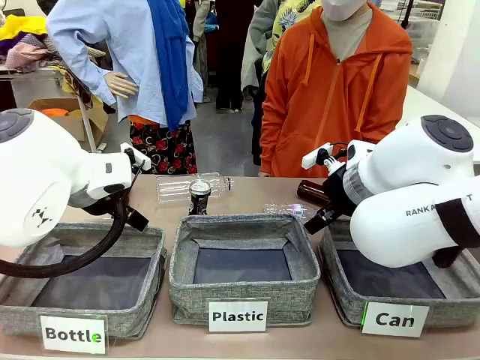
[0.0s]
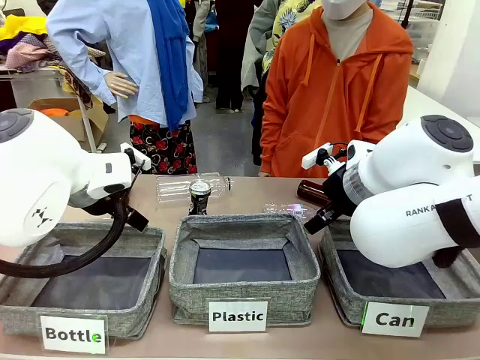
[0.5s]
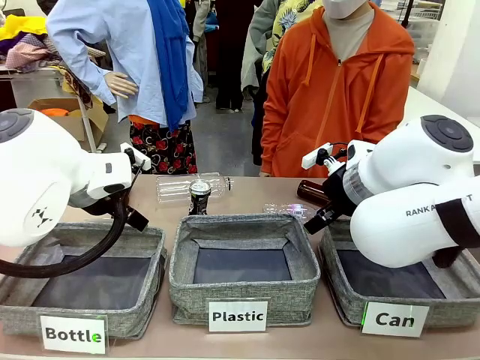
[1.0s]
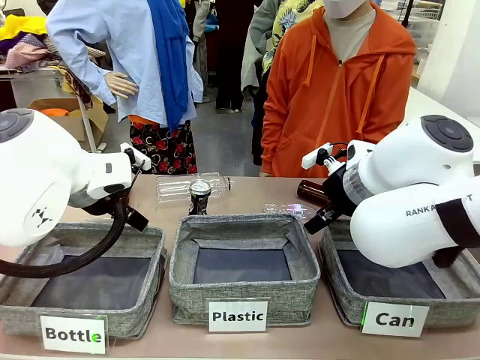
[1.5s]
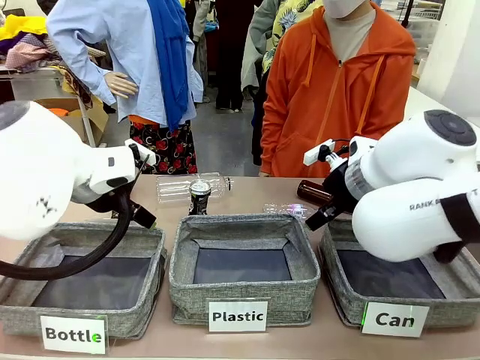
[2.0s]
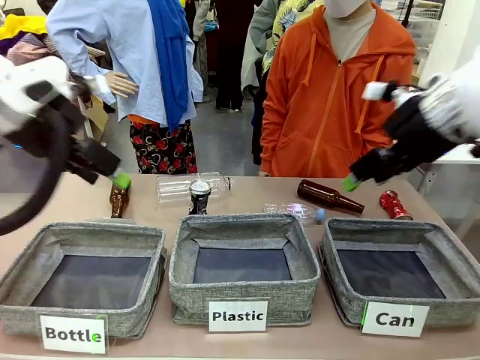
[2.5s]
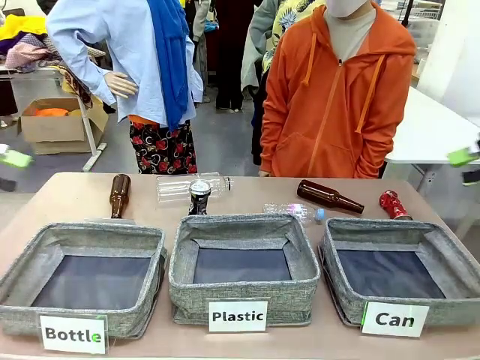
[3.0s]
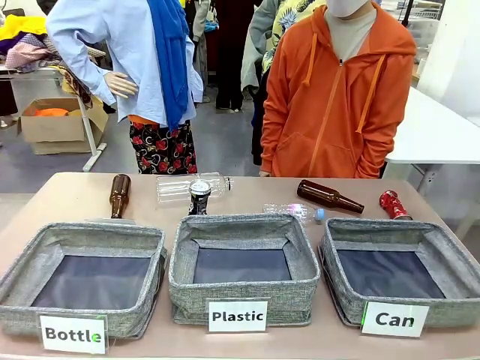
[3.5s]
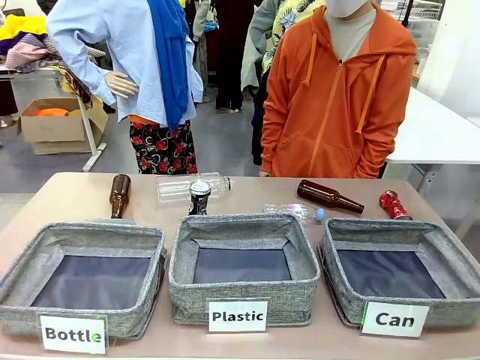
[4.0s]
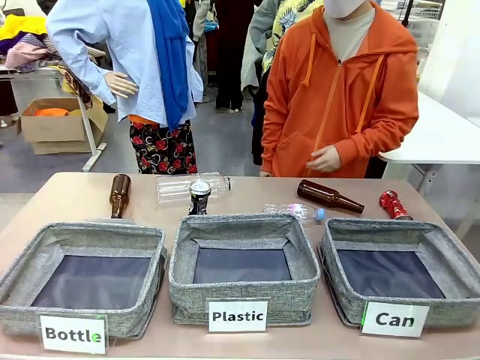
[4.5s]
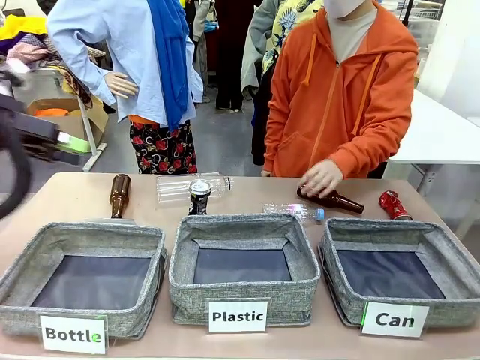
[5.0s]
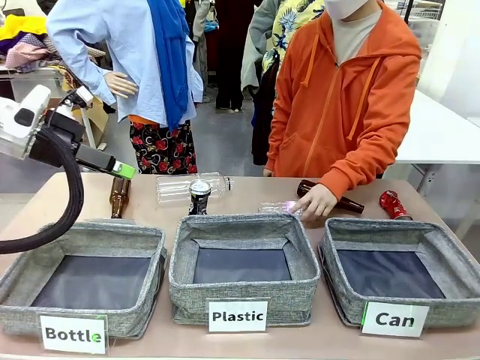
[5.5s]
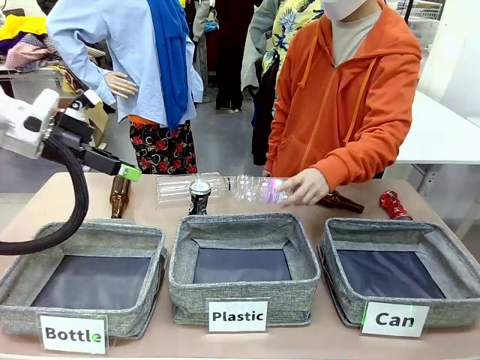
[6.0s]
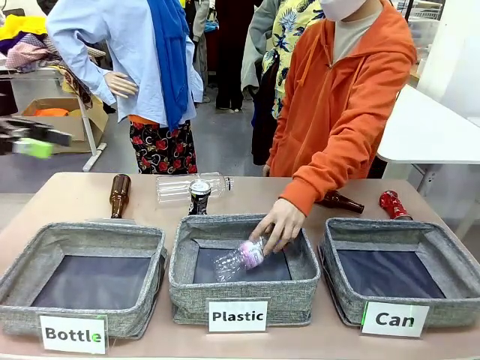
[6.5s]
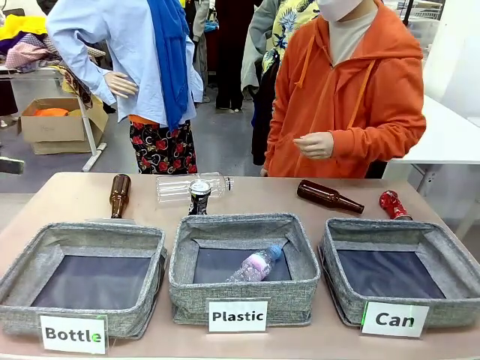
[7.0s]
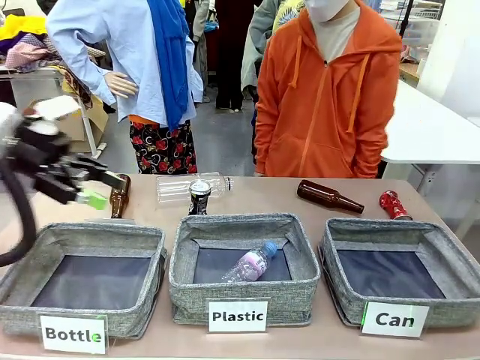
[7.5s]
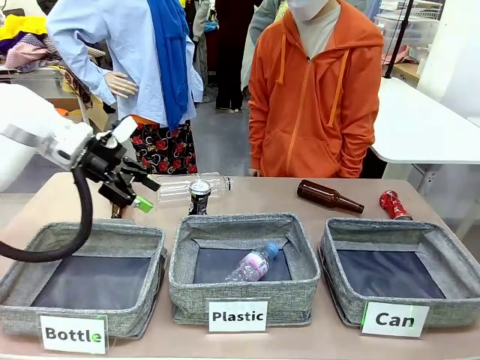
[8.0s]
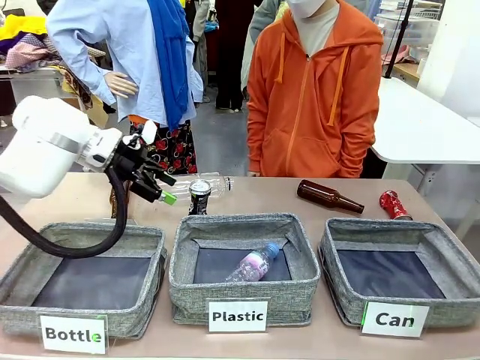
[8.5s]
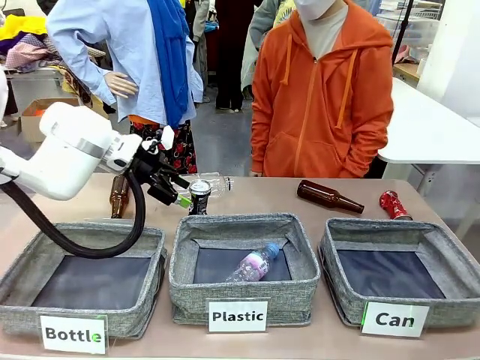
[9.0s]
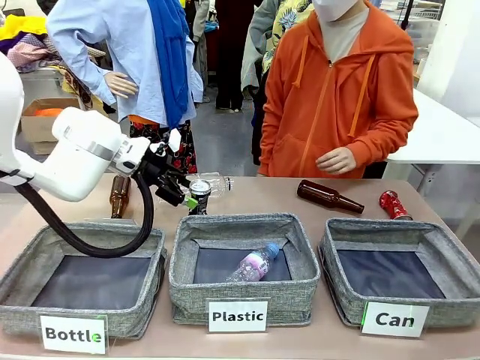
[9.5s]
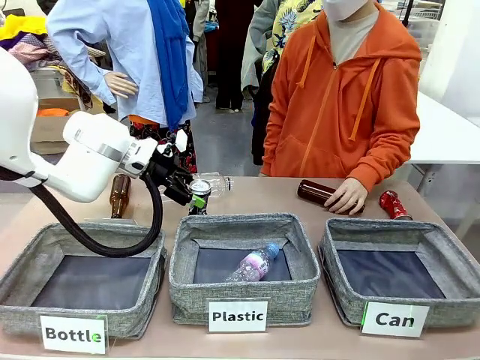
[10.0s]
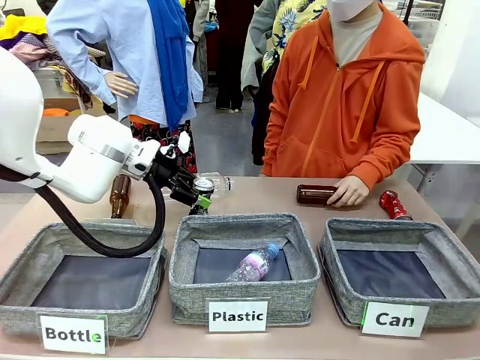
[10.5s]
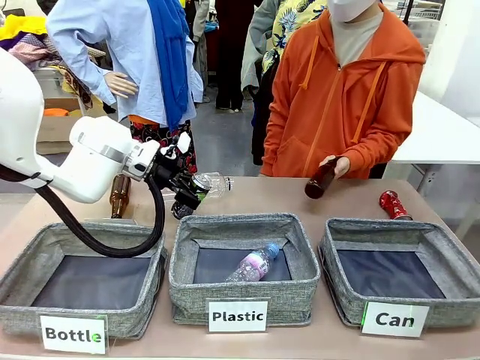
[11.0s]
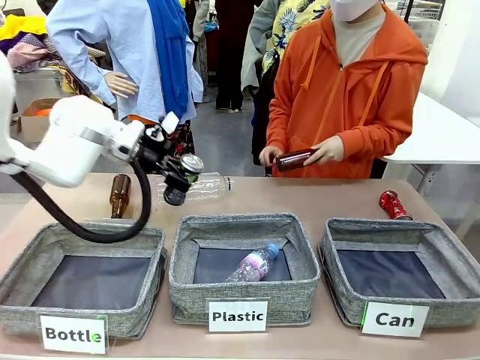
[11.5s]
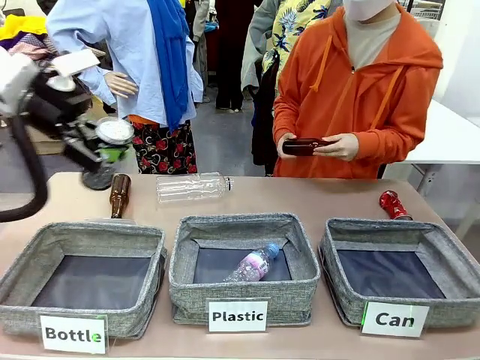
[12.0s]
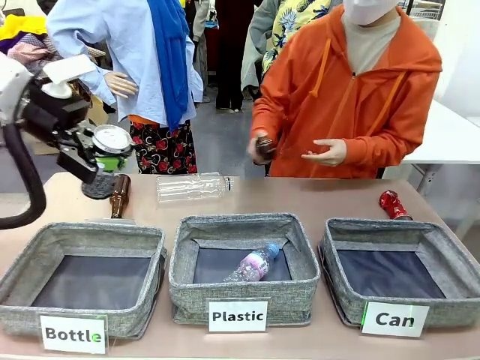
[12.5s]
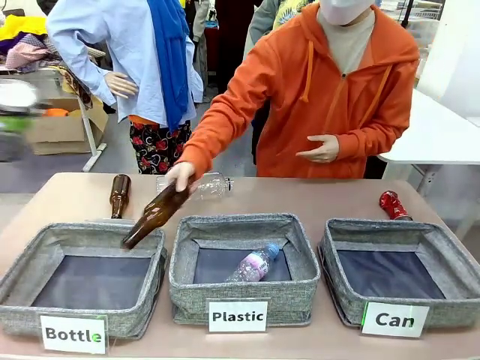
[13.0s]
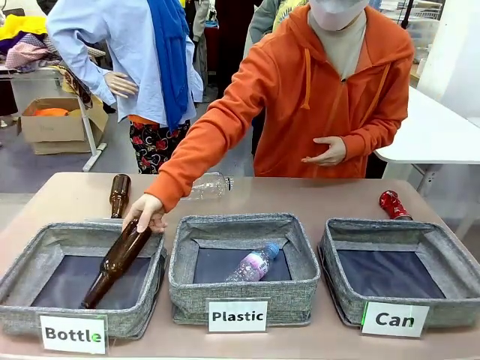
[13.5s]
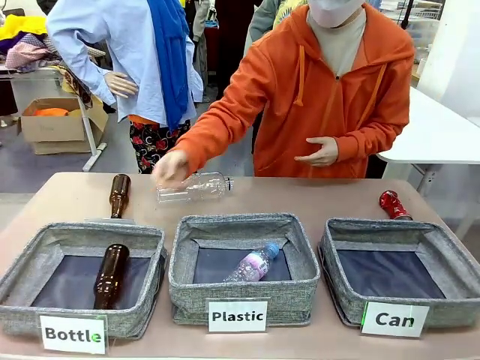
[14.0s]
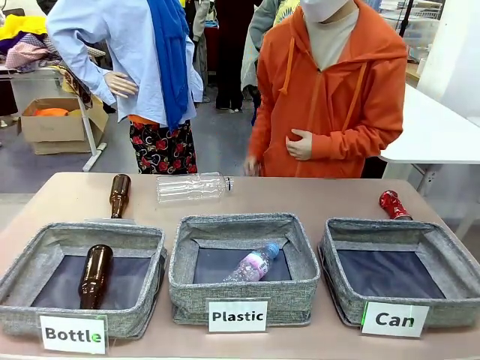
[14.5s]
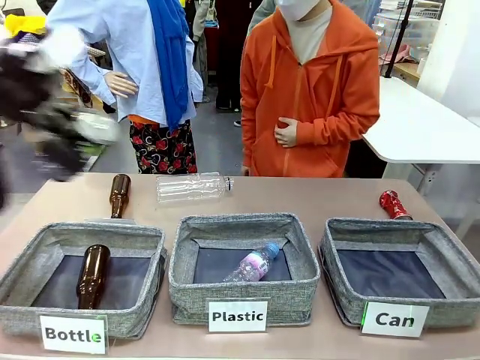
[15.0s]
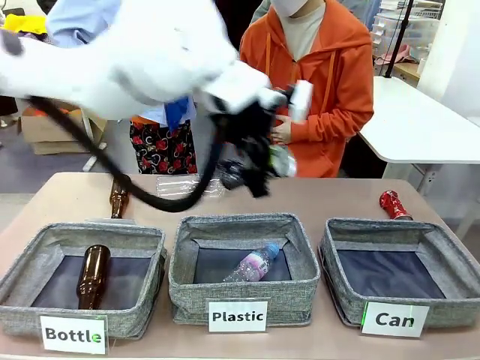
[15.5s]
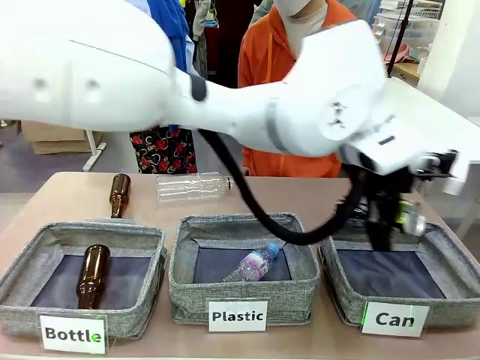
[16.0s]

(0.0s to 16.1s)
Task: Sort the can waste into the basket.
Robot: Pick up the can waste from the table and place it in the right Fabric basket.

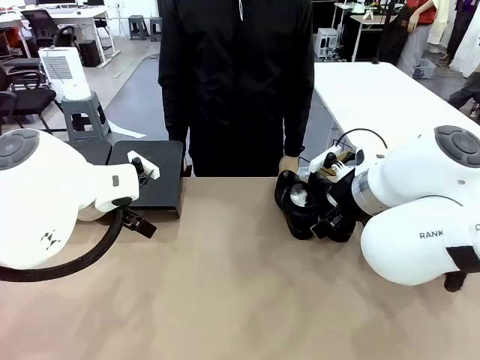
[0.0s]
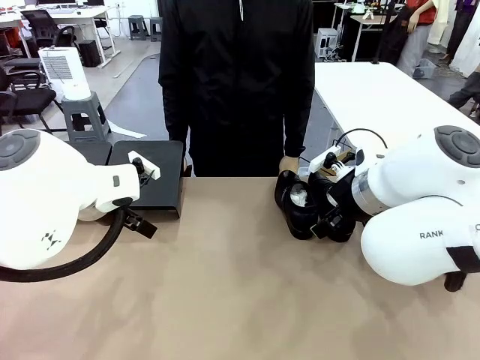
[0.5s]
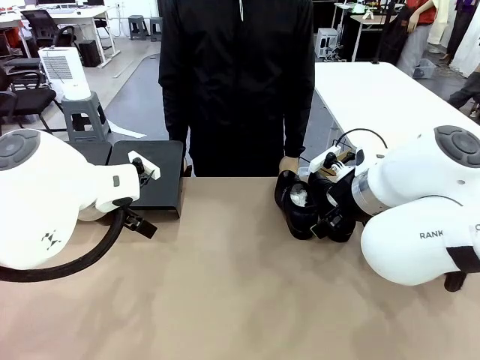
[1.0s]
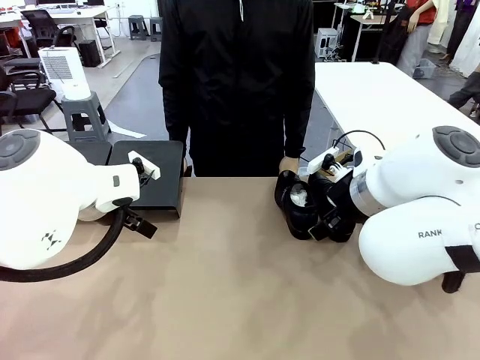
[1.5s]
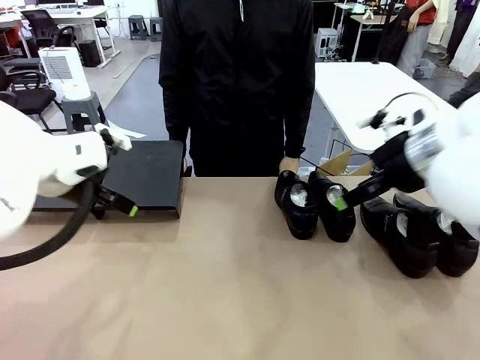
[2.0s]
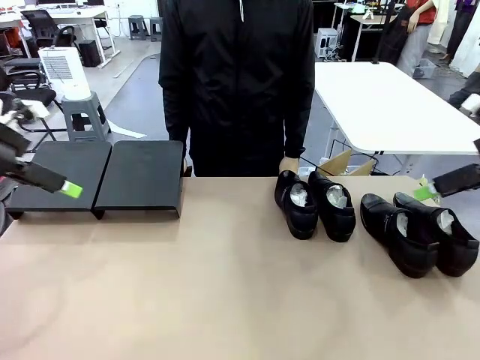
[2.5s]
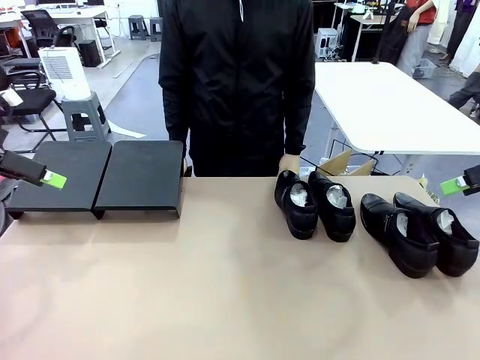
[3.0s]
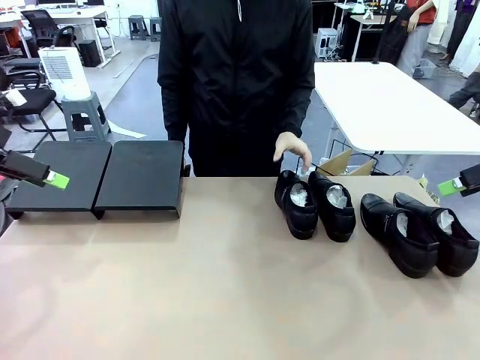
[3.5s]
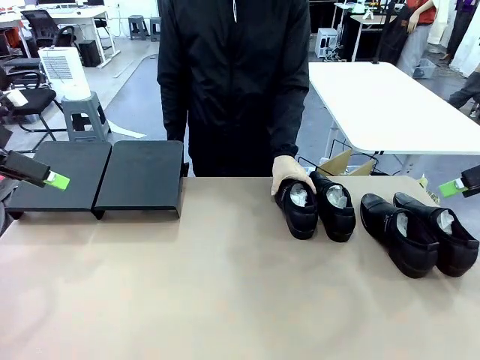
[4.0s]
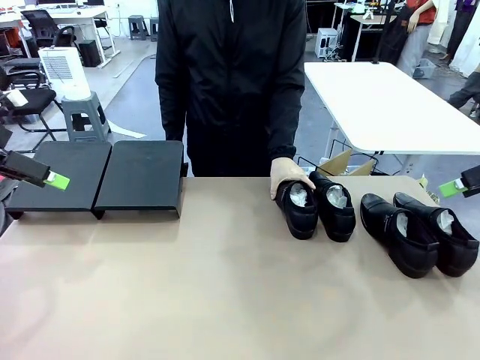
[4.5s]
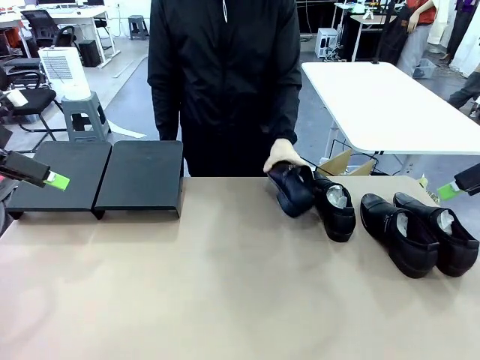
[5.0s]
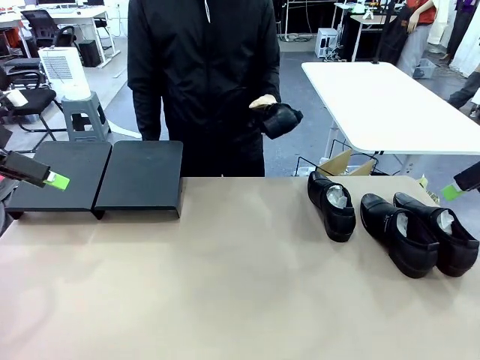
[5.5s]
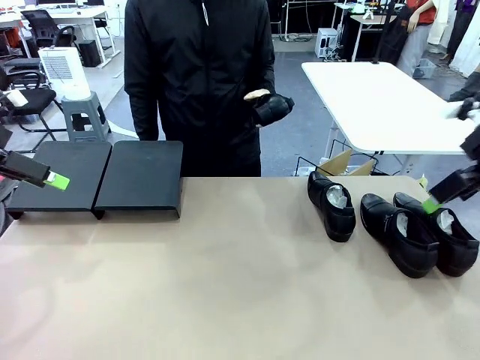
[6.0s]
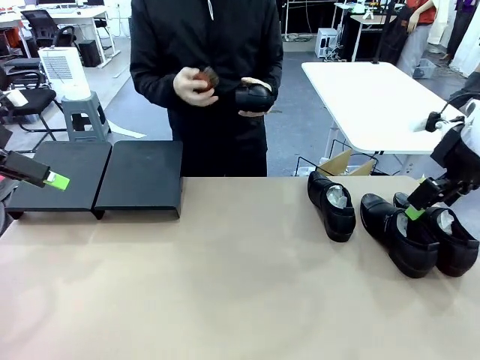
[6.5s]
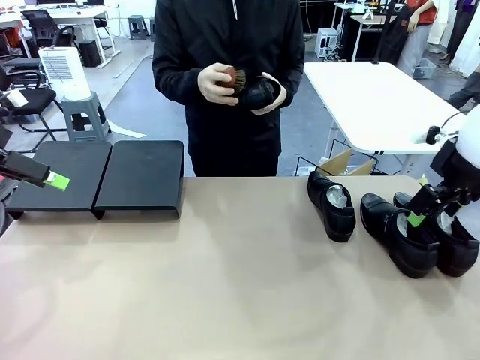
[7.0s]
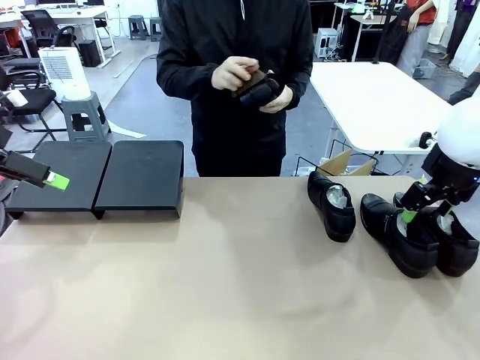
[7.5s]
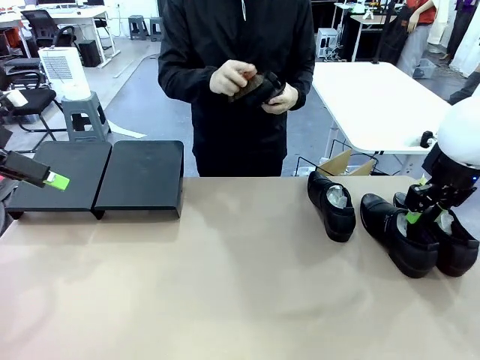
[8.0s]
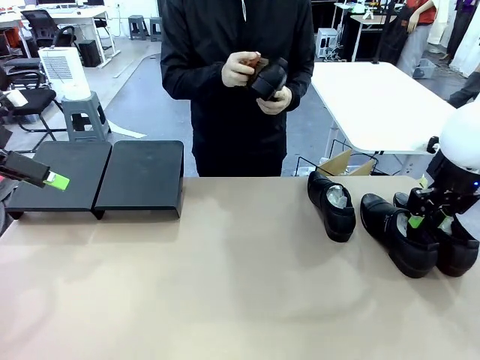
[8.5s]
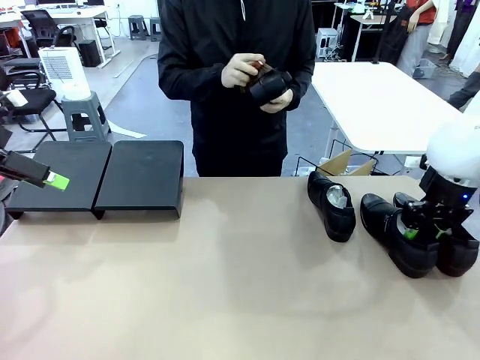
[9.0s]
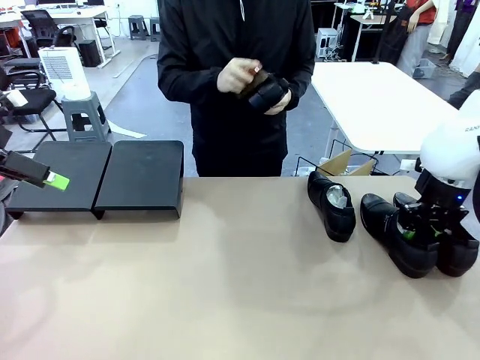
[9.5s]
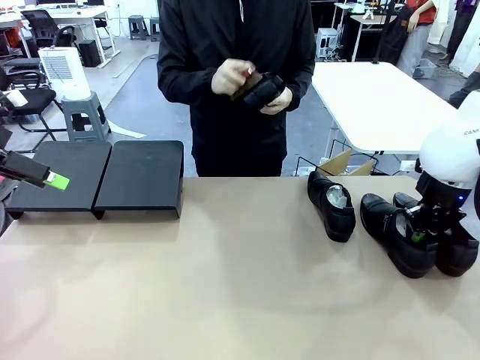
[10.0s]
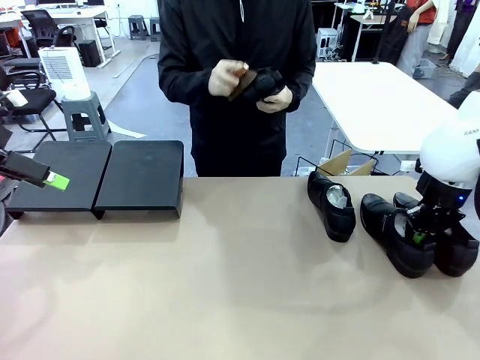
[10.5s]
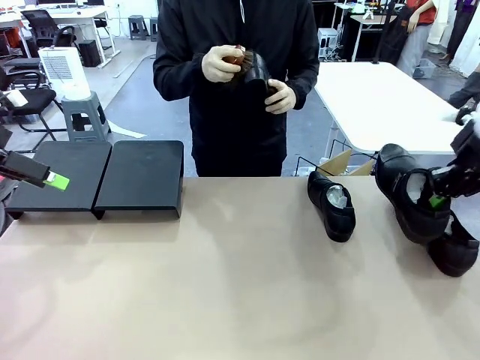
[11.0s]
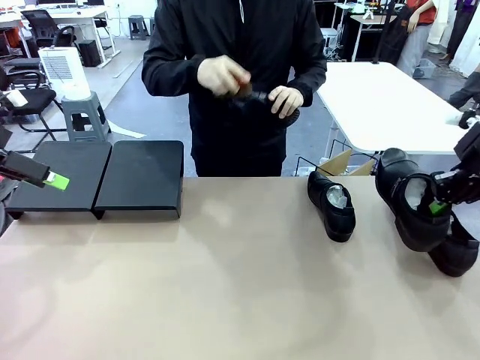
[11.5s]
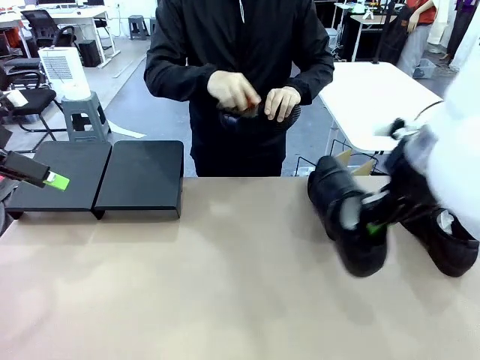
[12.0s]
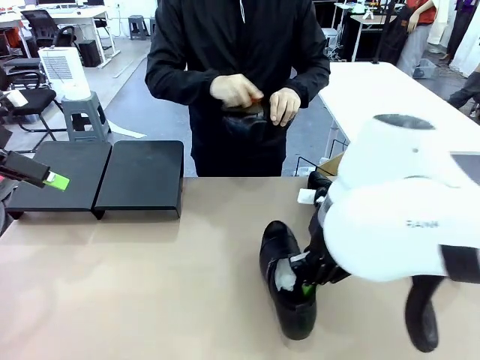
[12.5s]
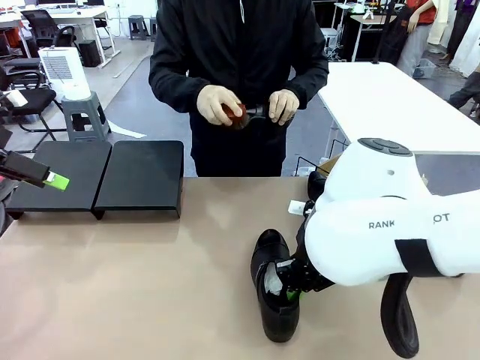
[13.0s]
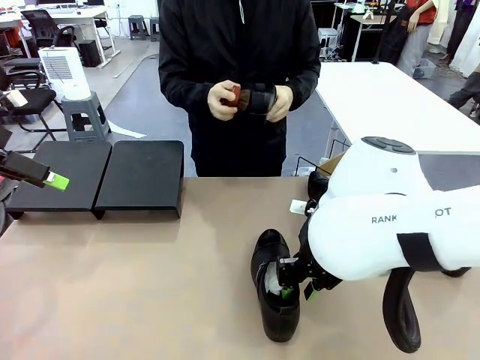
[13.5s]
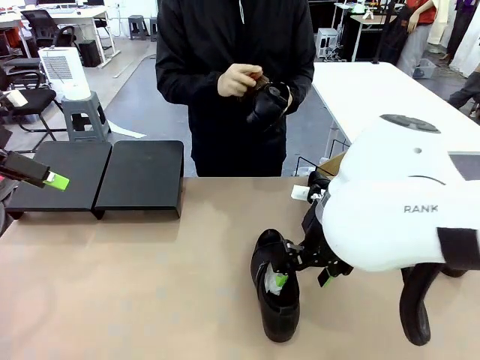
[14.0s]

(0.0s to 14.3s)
Task: Organize the shoes by placing them on the stand.
Robot: Pick up one Shoe and place it in the middle of the table.
Person: Pick one Shoe on Robot's table. Clean the Shoe with the Shoe Brush.
